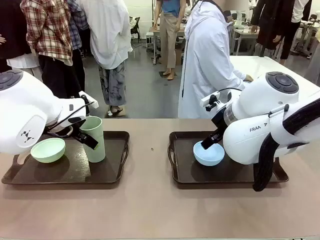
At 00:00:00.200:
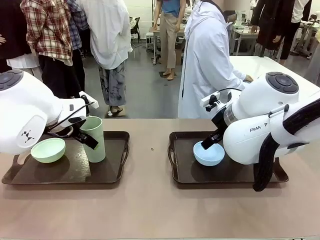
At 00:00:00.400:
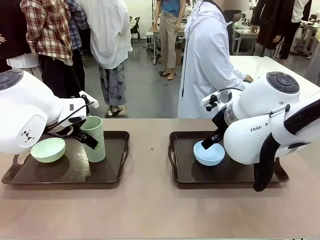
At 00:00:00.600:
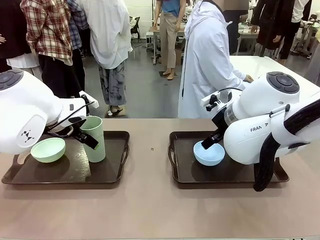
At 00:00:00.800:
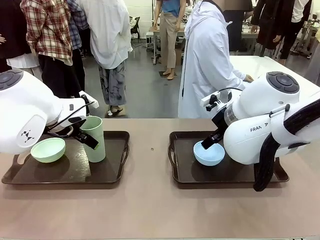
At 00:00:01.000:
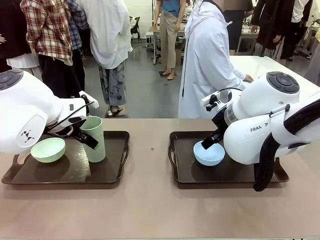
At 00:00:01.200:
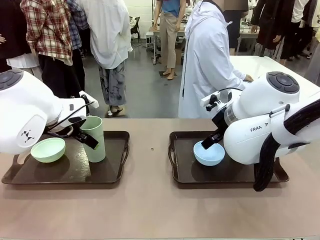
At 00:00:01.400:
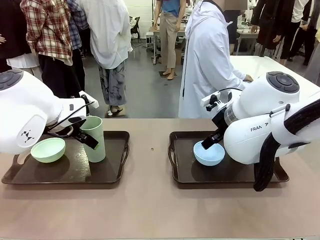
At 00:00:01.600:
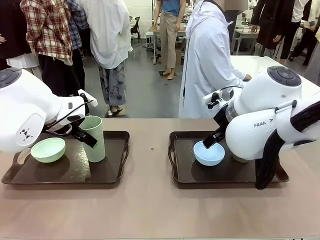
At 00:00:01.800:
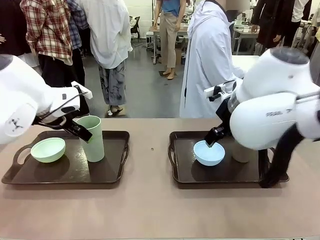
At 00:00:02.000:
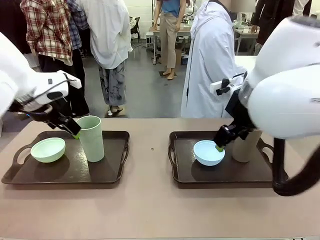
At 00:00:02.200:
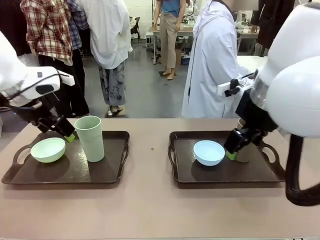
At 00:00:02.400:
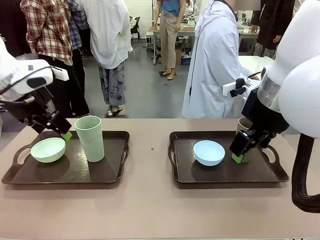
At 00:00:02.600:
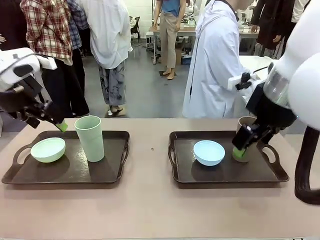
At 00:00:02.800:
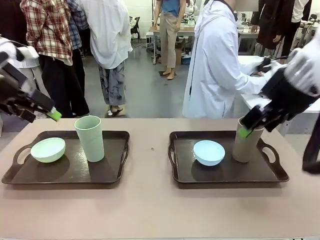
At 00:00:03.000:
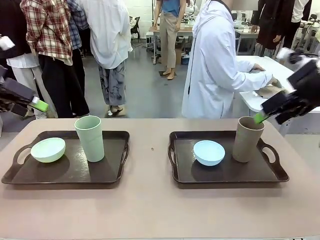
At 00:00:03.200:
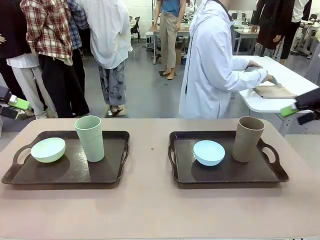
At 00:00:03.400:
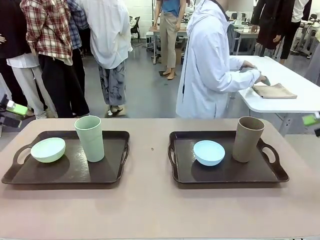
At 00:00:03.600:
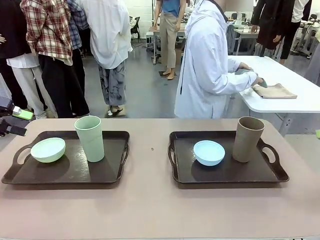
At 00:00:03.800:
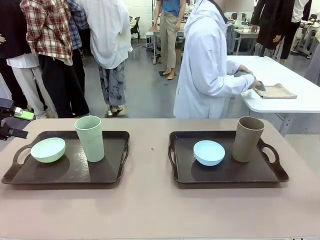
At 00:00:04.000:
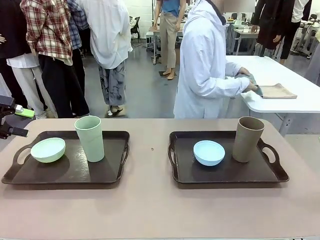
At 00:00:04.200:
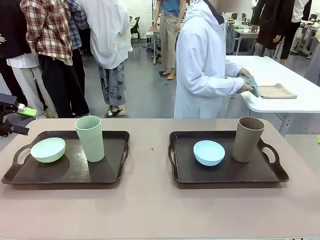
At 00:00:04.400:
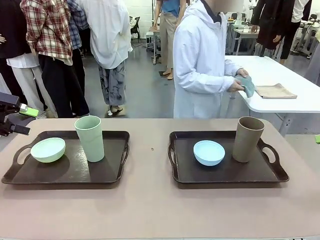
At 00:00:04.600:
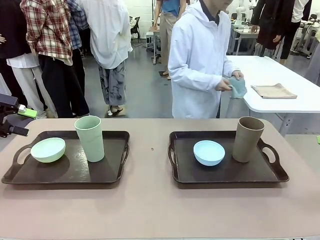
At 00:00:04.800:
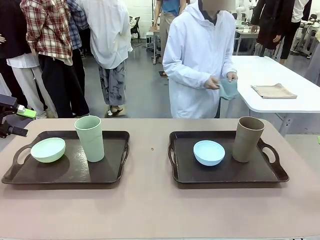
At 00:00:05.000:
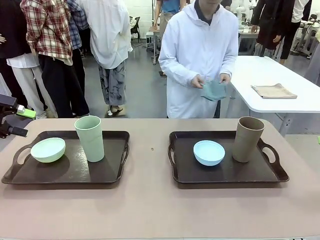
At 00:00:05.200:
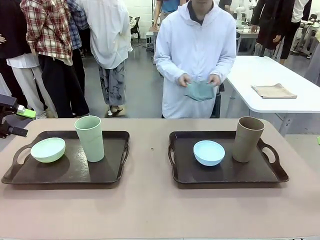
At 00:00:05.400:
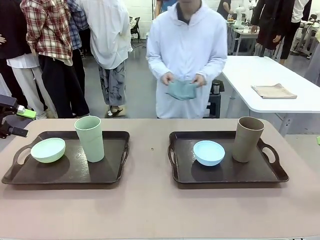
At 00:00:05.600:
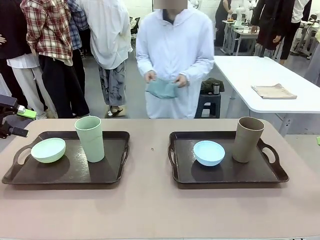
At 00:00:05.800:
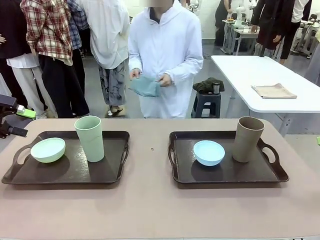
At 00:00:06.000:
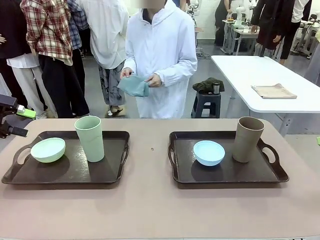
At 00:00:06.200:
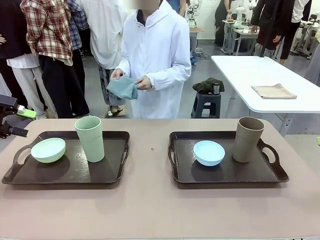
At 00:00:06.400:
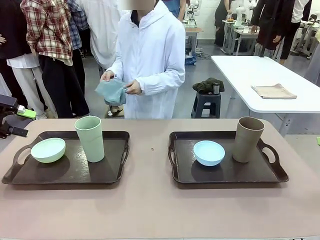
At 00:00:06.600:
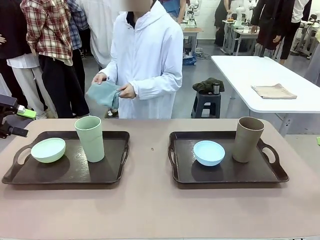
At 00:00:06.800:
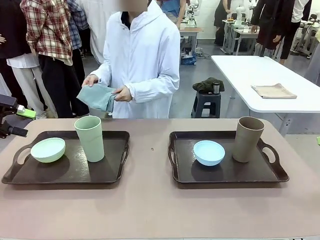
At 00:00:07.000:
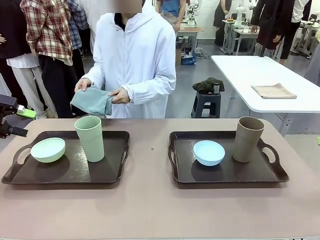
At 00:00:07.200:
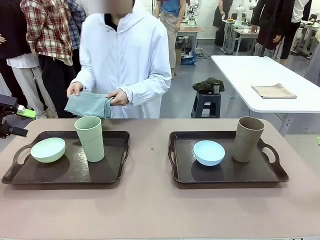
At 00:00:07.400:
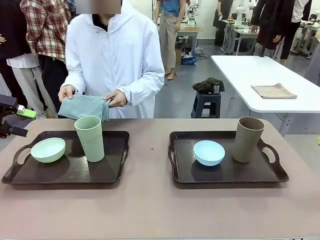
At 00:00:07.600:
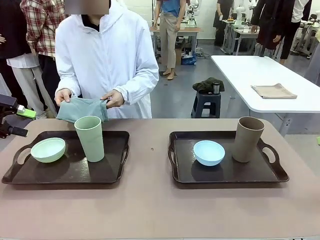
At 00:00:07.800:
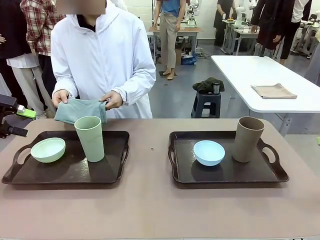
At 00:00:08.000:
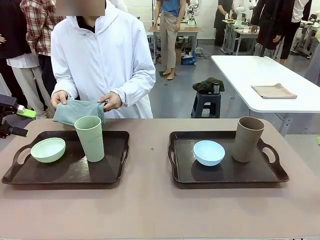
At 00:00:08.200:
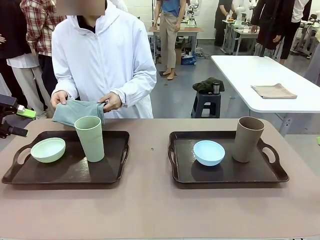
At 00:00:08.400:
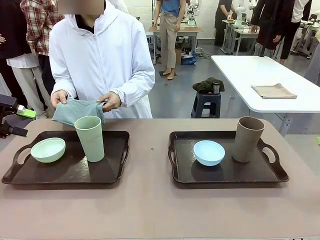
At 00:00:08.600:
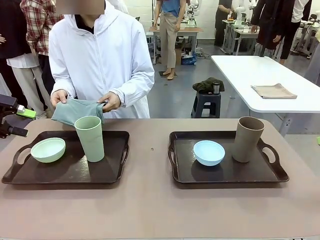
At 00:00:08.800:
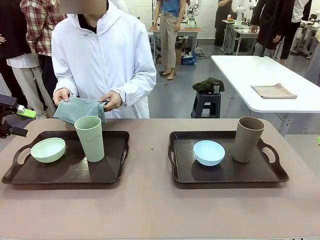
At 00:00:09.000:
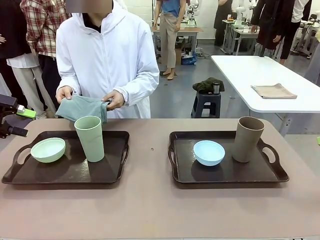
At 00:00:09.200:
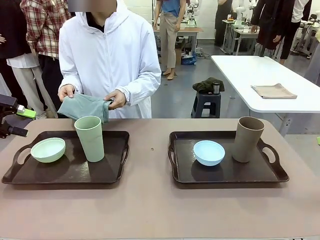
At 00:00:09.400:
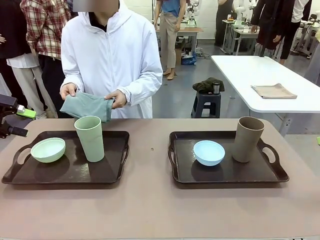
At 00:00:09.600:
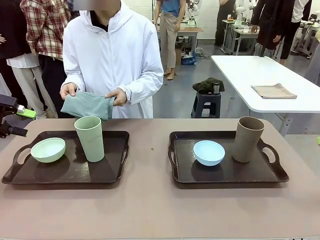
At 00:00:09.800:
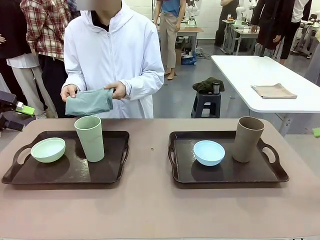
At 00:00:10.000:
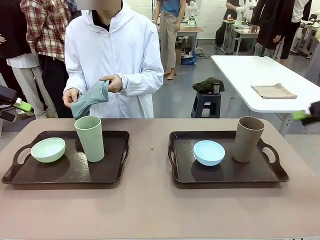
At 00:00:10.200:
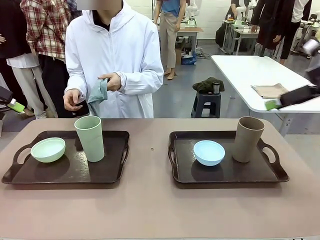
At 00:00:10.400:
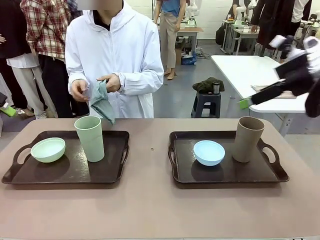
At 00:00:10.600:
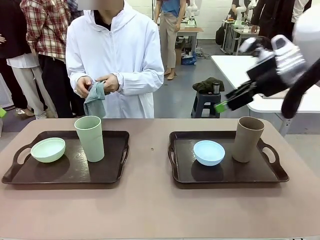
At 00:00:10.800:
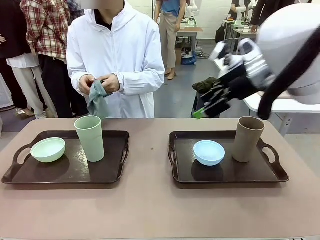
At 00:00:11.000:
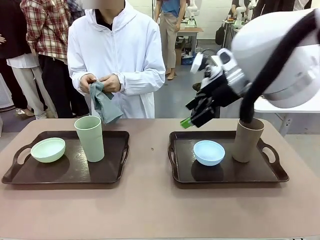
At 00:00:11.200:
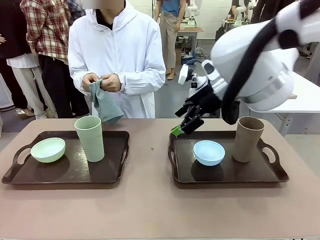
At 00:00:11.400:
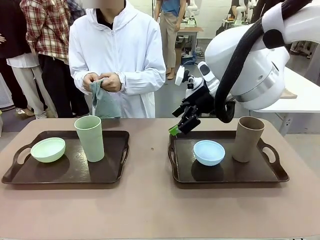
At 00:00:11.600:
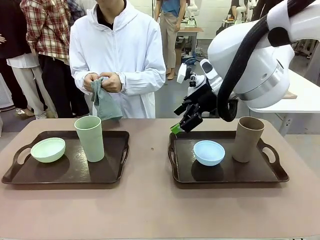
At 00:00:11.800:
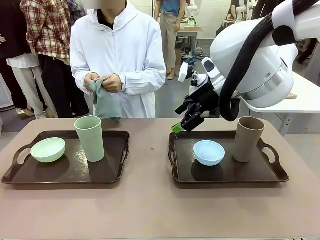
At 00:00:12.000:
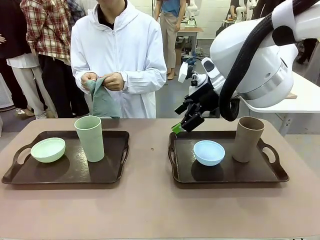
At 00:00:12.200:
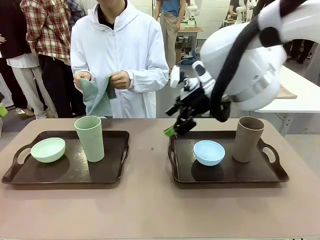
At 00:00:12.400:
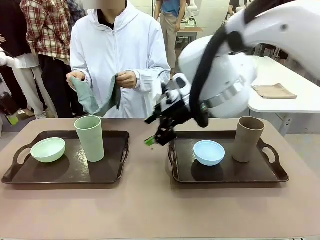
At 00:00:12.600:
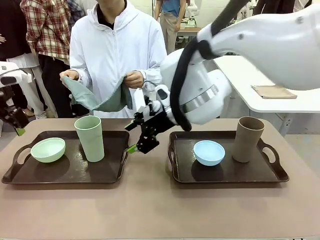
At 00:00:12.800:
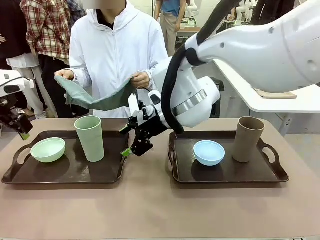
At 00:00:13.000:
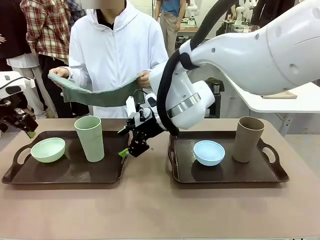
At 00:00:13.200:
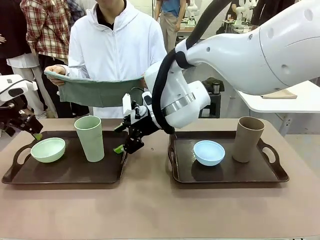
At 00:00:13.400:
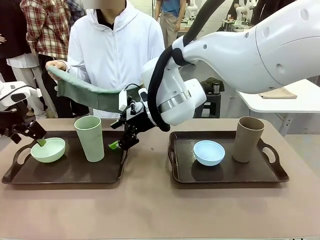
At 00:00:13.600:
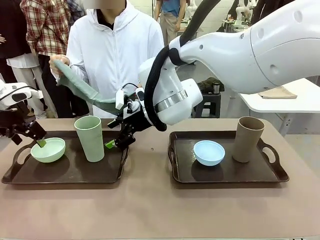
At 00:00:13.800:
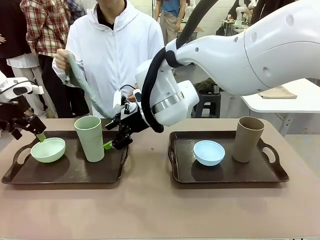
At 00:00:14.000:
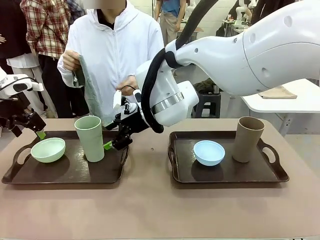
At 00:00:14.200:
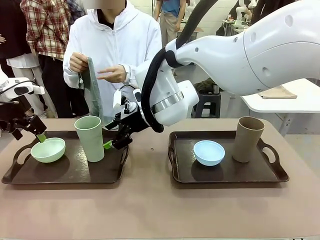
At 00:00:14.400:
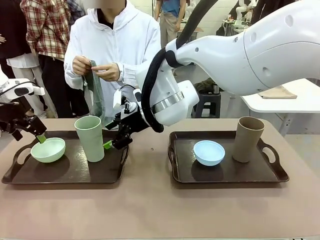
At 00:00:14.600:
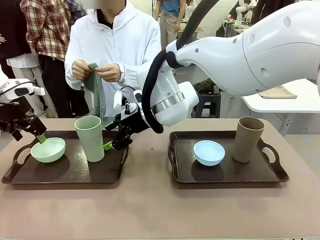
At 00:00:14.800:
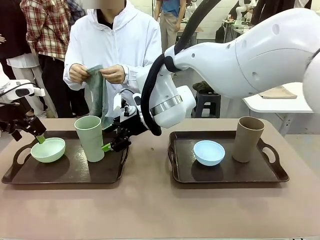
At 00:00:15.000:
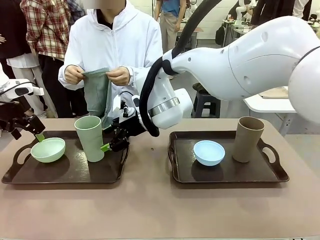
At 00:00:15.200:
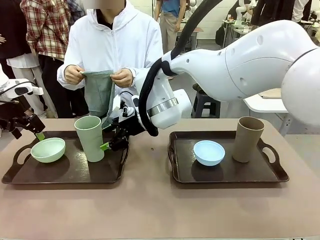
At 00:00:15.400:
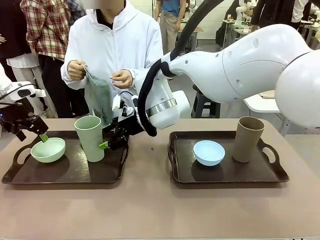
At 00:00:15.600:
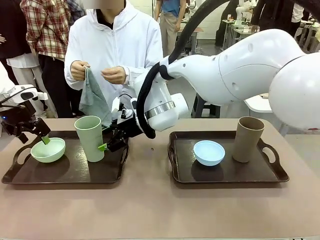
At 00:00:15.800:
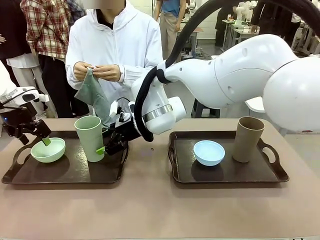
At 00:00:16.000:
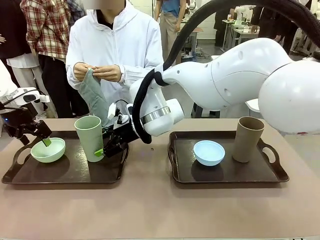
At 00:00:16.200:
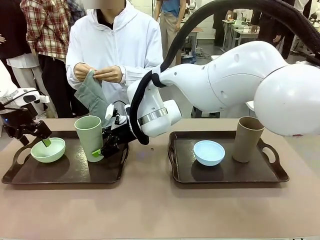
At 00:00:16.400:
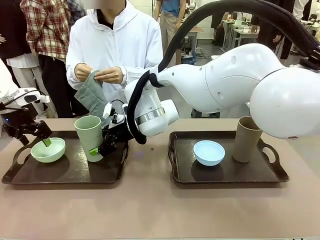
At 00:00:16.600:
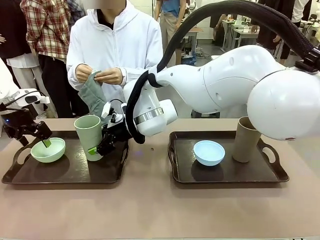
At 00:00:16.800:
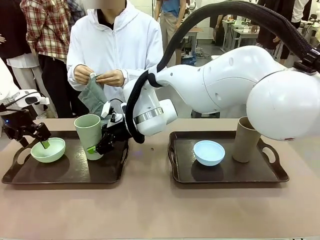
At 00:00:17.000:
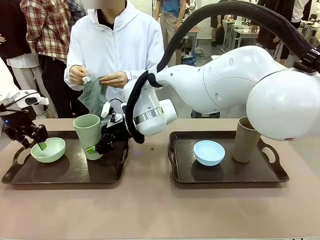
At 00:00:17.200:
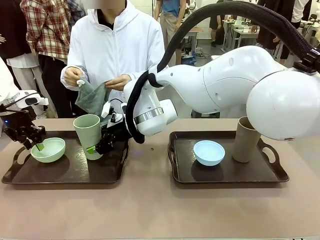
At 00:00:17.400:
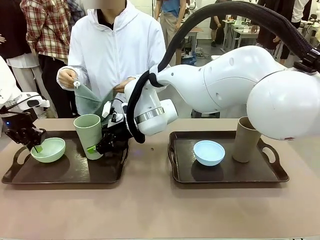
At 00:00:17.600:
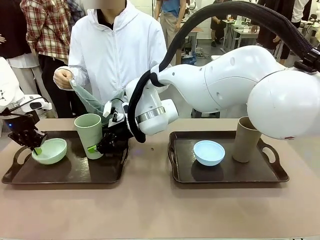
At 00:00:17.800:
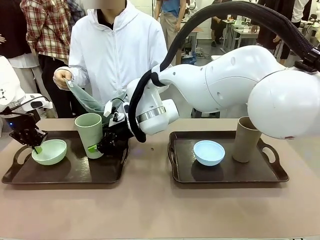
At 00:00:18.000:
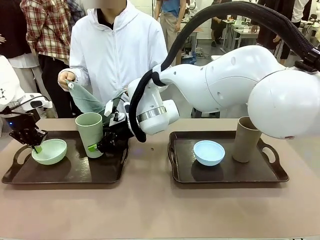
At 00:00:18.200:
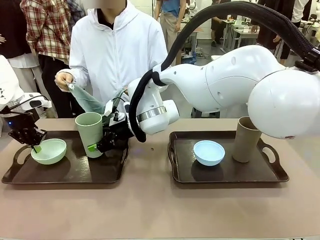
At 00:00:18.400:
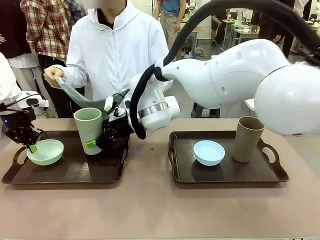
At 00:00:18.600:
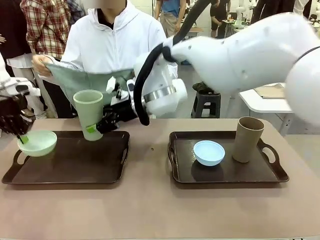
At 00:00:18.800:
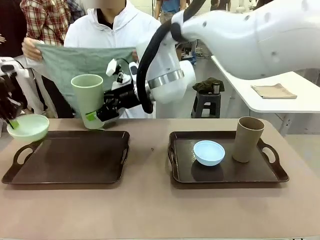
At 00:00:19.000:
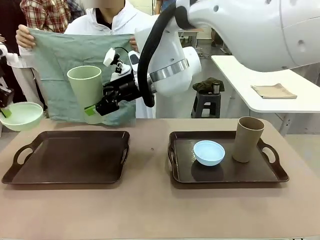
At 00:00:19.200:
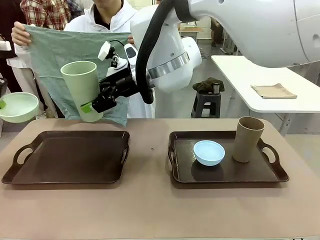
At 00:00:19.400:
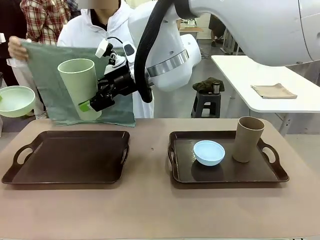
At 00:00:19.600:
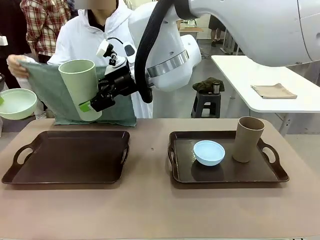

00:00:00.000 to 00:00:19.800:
Robot: Pick up the Picnic Bowl and Reusable plastic cup from the Handle tray in front of the human's position and hold them in the air.
Person: The human picks up the top napkin from the stack on the human table and walks to the robot table to stand in front of one of the two trays. When the robot lifts the bowl and the cup, the human unfolds the napkin and lays the napkin flat on the tray.
